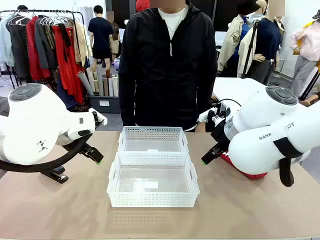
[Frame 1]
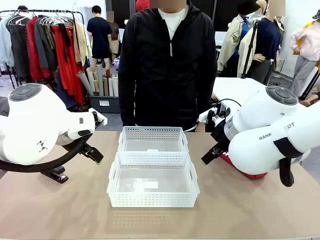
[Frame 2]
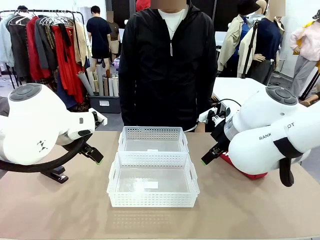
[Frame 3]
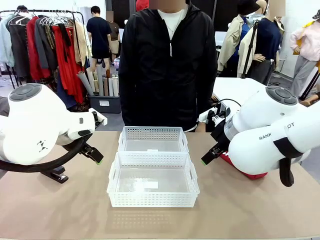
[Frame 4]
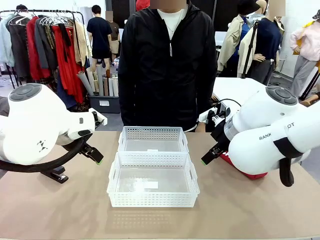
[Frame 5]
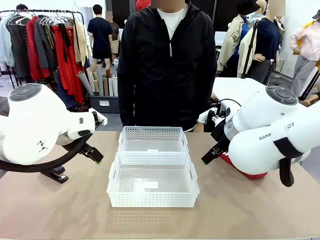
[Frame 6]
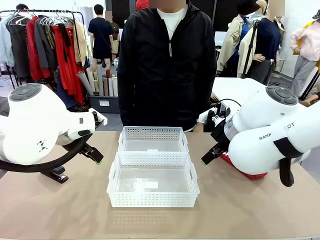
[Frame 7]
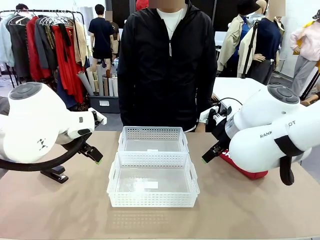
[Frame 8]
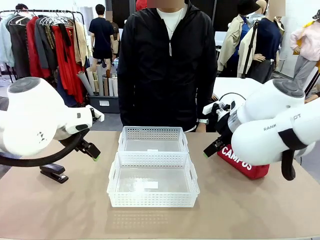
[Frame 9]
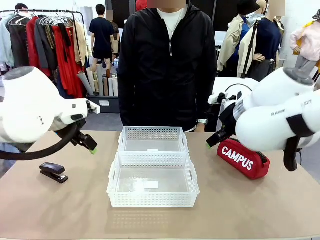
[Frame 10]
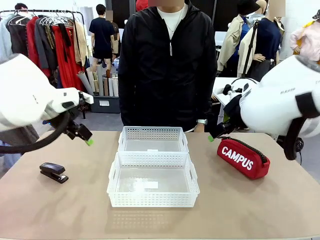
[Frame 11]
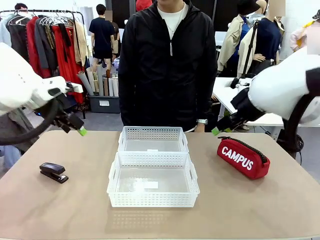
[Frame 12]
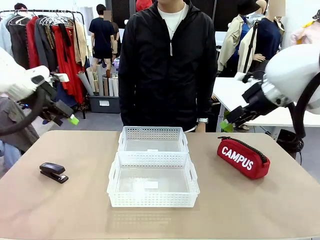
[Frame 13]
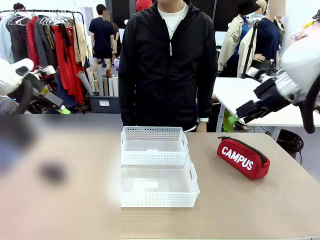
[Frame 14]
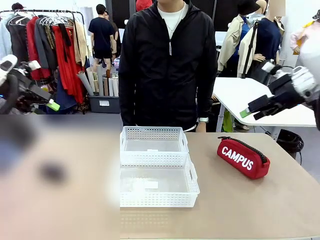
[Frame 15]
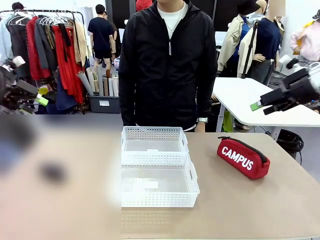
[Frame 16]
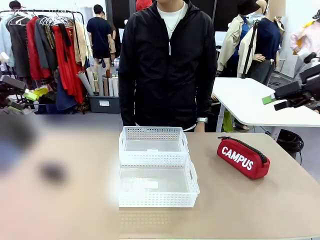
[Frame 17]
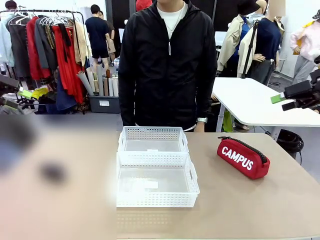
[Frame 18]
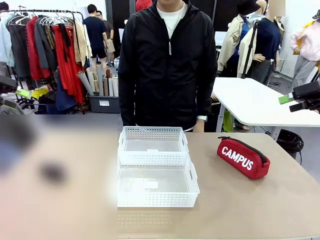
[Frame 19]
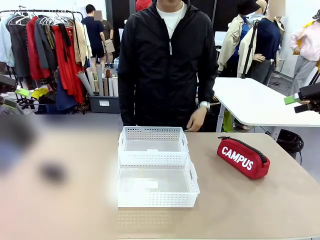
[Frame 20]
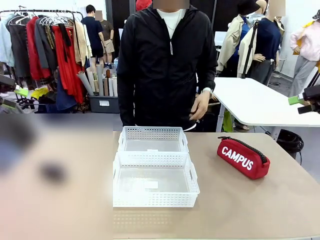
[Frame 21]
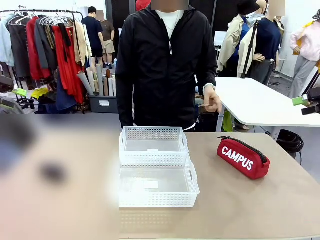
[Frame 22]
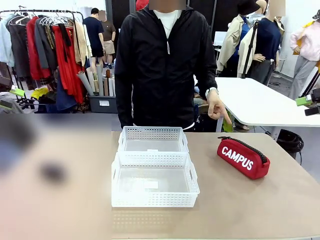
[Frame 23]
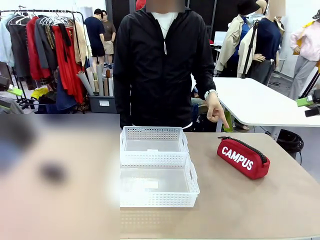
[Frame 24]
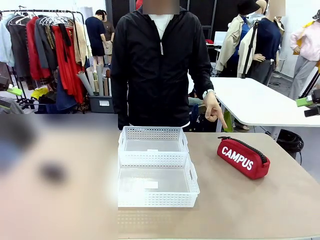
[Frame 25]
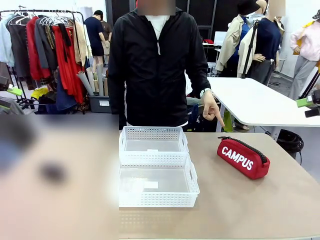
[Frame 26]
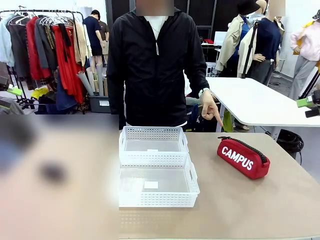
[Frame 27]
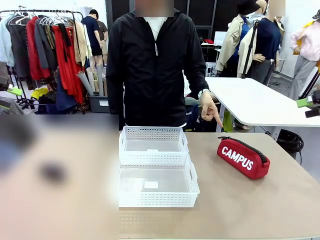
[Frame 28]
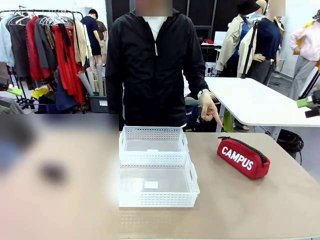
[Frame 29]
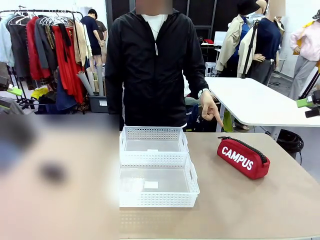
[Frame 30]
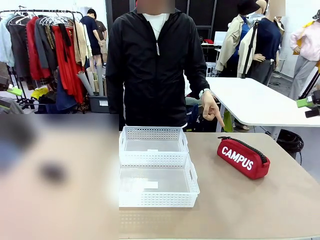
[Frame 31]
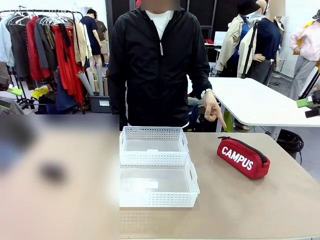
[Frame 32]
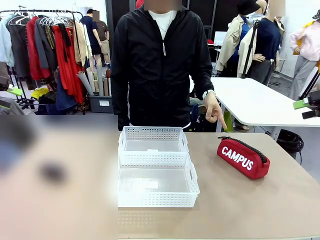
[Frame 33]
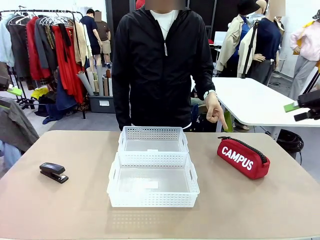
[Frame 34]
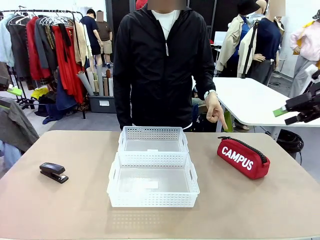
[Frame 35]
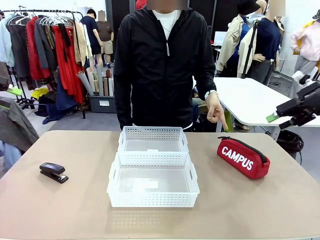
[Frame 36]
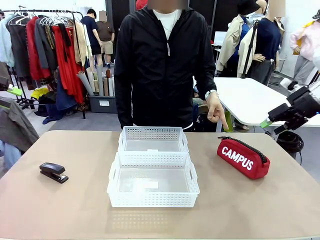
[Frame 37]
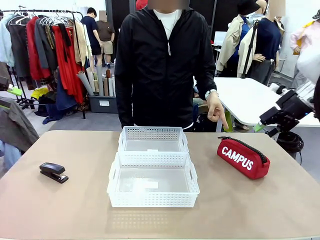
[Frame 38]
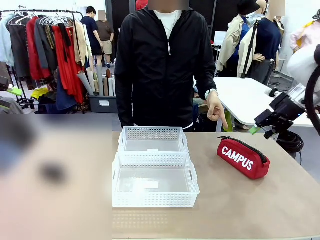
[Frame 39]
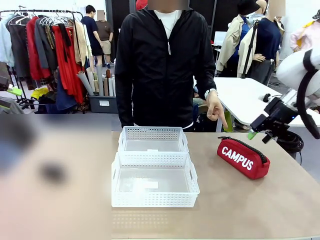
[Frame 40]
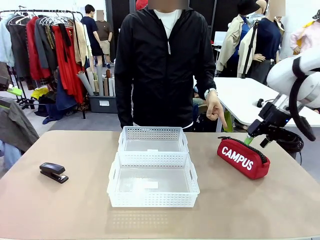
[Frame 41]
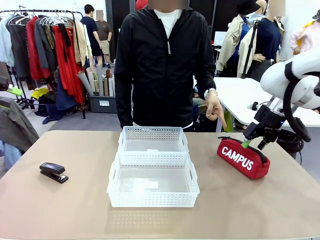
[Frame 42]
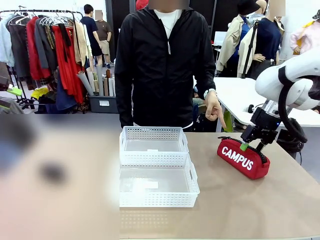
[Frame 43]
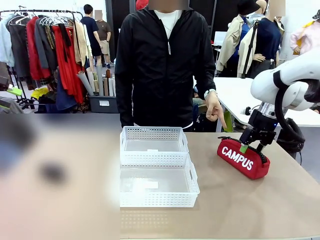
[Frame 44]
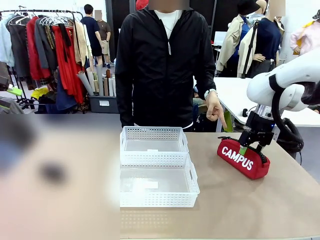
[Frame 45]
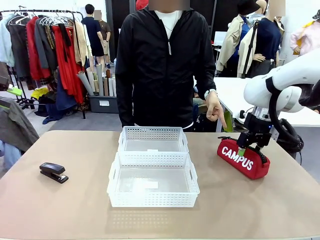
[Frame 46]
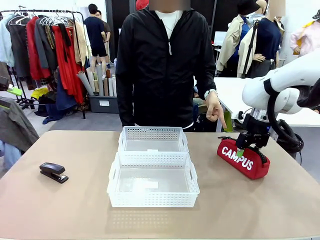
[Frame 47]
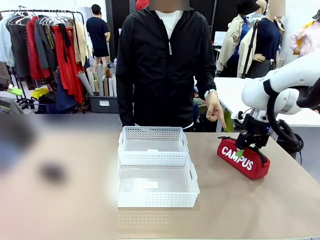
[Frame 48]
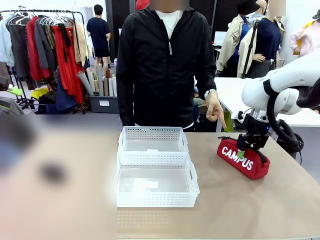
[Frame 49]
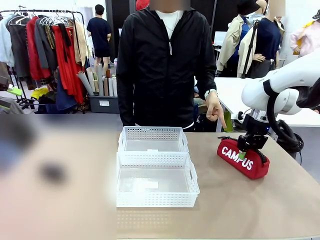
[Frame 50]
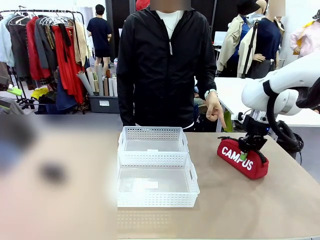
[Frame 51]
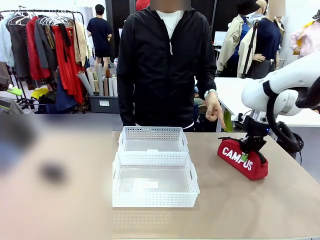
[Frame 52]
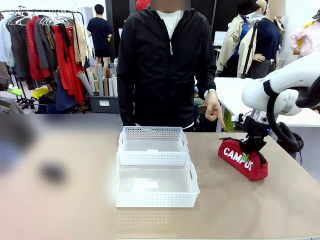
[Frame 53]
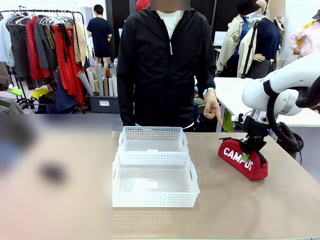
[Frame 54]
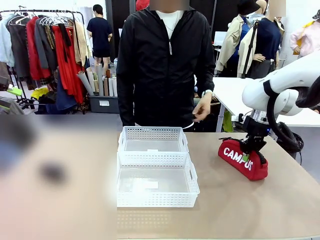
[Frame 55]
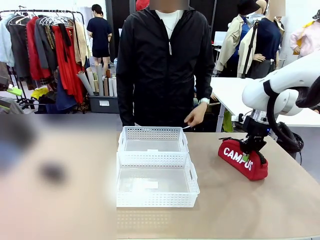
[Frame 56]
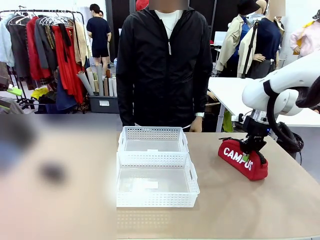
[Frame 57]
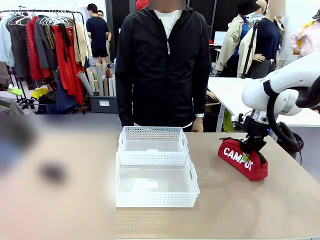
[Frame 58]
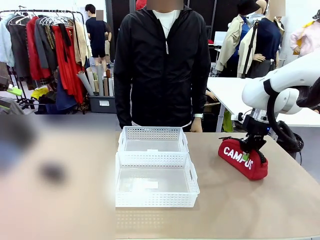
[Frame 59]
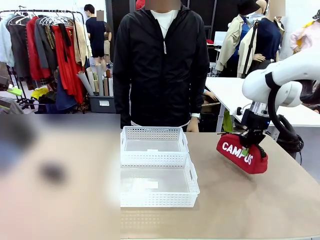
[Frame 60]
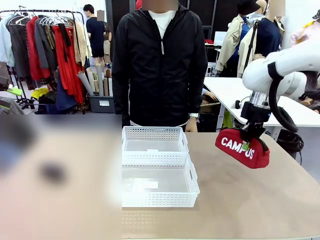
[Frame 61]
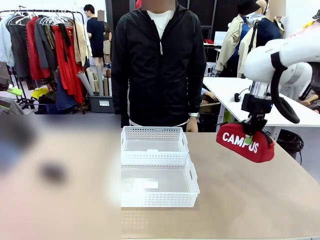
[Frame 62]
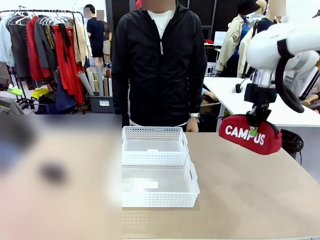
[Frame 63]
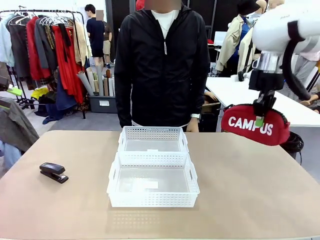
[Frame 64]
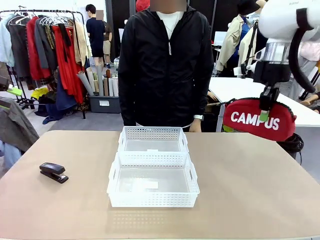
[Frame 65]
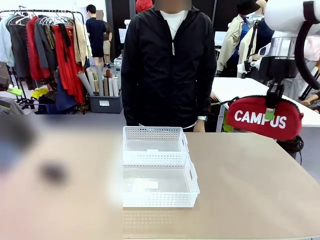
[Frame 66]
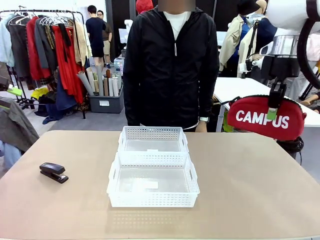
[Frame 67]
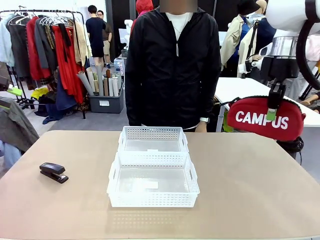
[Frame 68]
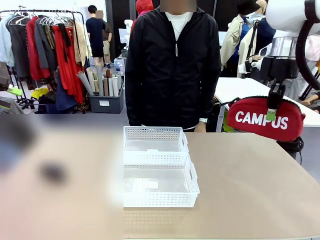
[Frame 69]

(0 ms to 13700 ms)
Task: Distribute items into two baskets.
Robot: Pick up the Pencil pouch that the person points to.
Person: Points to the pencil case. Points between the two organizing baskets and instructs the robot to move the pencil case.

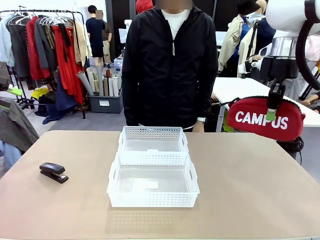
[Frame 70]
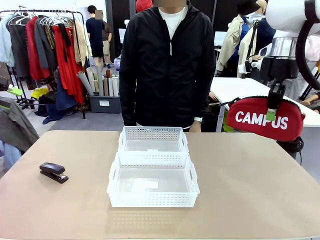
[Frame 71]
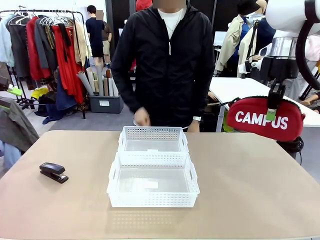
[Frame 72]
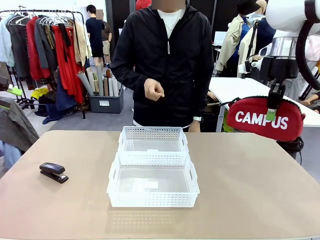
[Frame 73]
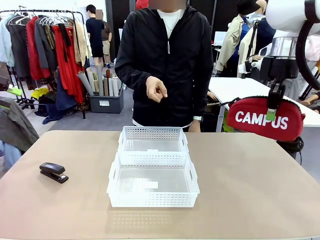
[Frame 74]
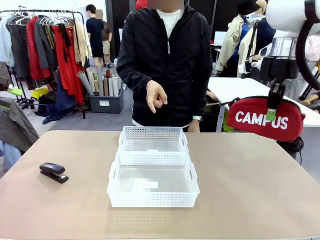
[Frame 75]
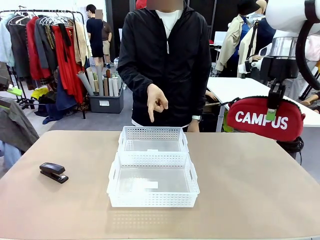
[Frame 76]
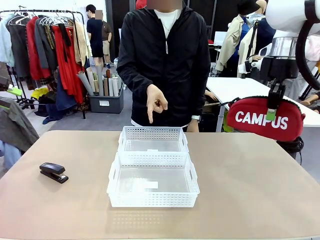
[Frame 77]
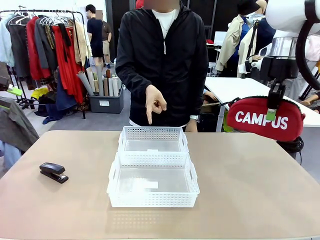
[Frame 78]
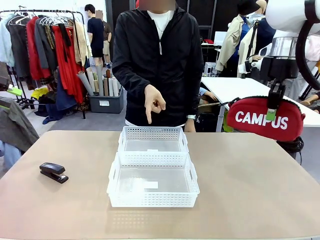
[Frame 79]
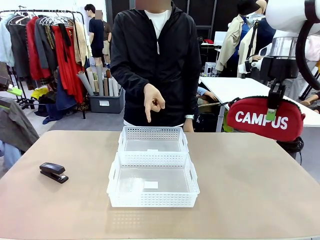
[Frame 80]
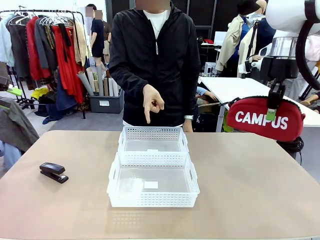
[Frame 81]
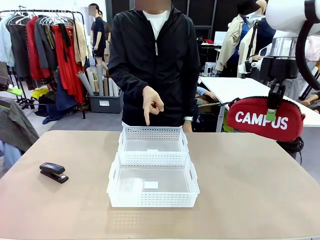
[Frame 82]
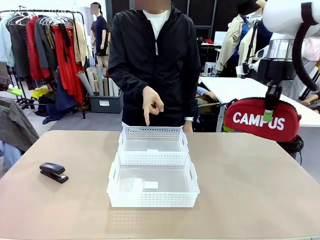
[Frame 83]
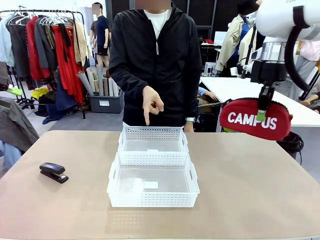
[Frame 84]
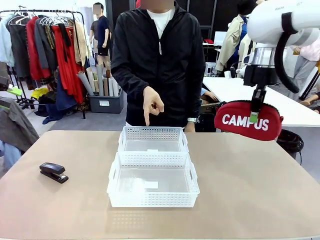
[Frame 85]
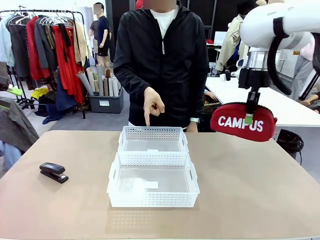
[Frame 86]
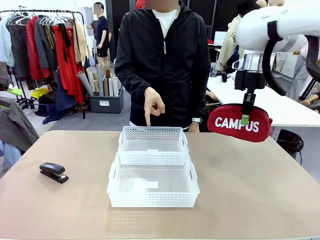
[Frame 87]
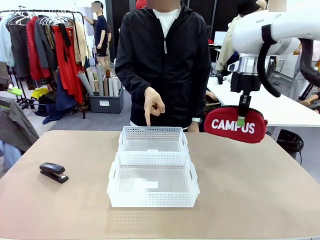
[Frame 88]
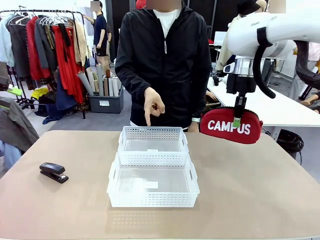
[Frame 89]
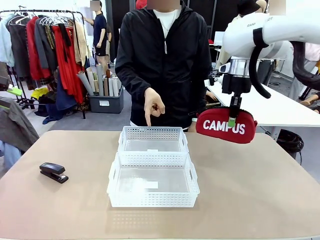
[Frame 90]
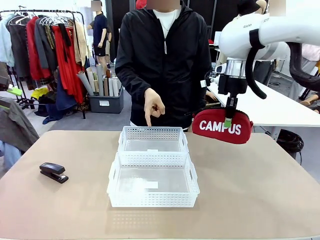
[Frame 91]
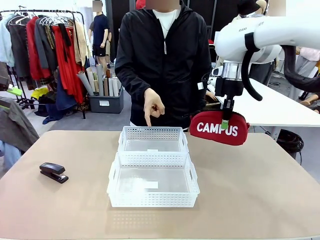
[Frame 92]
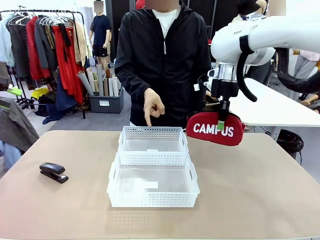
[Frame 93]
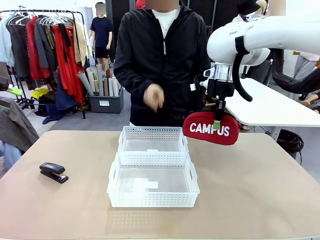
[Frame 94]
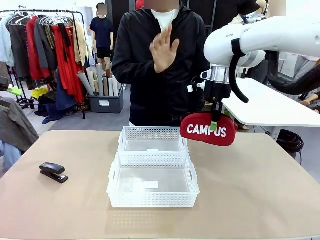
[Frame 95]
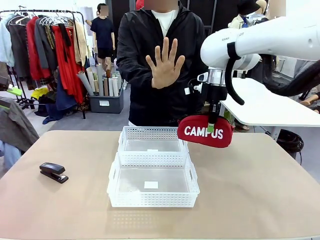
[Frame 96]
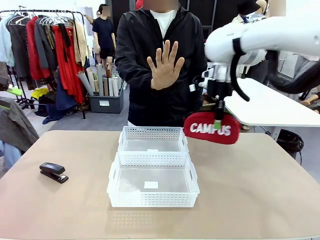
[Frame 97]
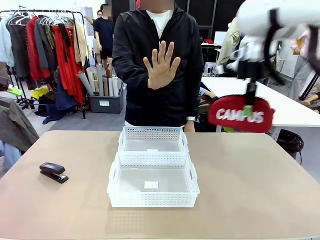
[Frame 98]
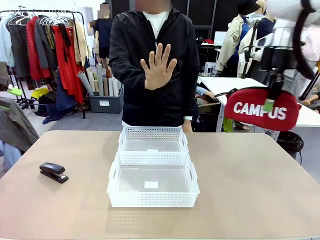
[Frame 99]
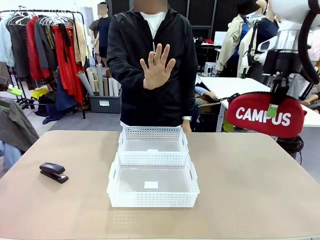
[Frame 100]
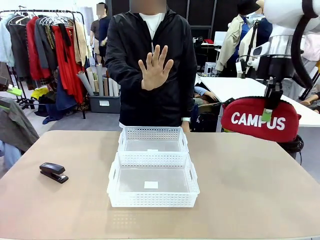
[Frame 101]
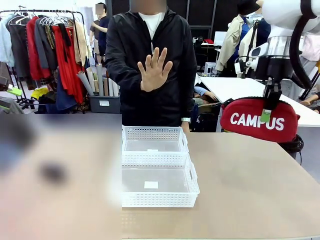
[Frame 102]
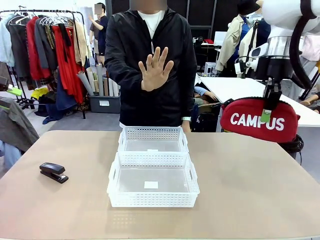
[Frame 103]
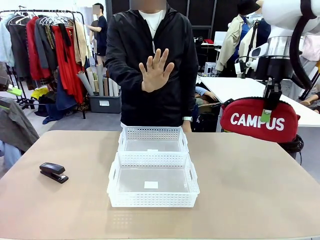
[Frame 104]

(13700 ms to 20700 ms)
Robot: Move the picked Pencil pouch towards the Organizing basket indicated by the person, stopping as directed.
Person: Sends a stop gesture before the robot places the pencil case into the basket.
